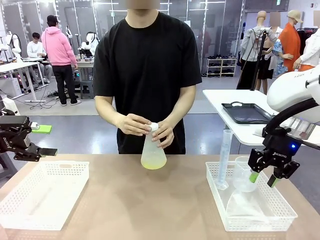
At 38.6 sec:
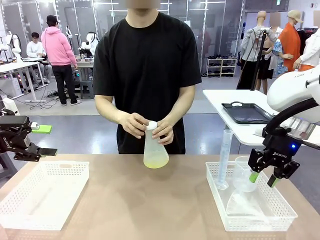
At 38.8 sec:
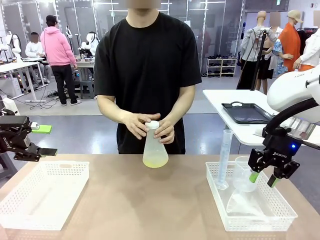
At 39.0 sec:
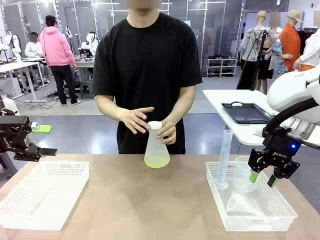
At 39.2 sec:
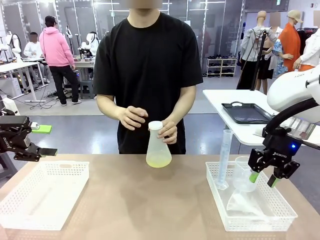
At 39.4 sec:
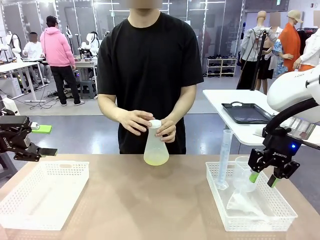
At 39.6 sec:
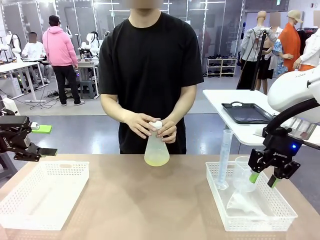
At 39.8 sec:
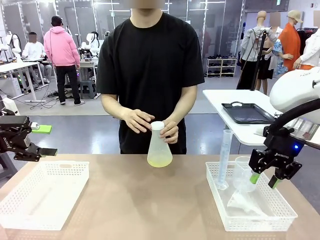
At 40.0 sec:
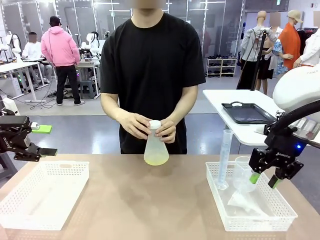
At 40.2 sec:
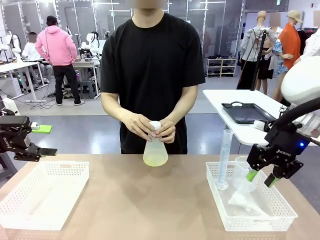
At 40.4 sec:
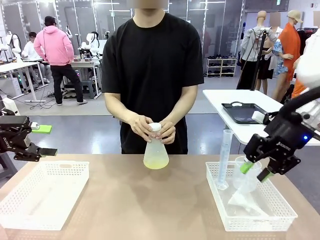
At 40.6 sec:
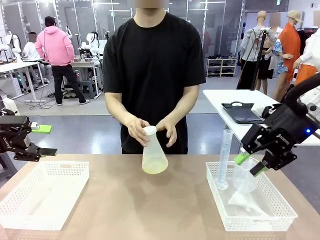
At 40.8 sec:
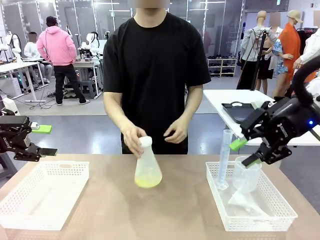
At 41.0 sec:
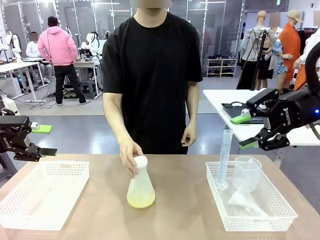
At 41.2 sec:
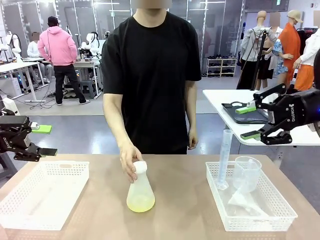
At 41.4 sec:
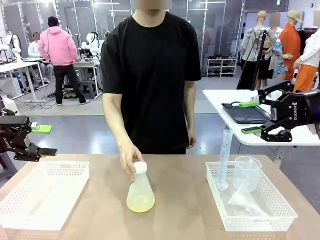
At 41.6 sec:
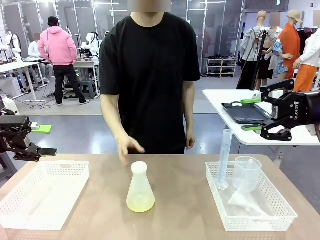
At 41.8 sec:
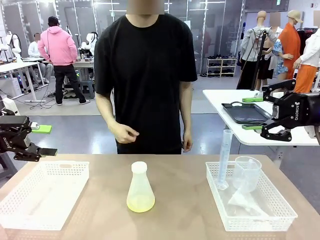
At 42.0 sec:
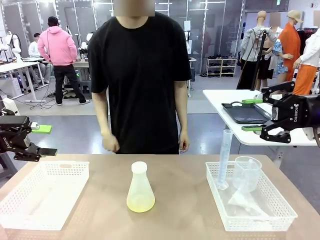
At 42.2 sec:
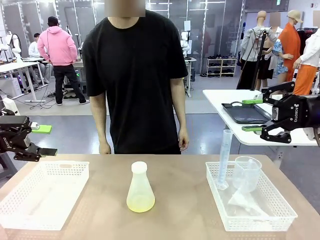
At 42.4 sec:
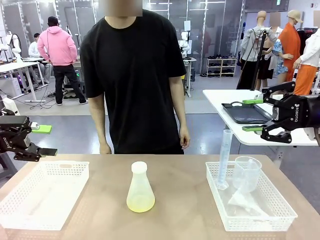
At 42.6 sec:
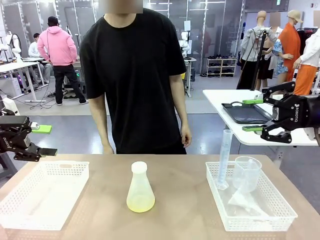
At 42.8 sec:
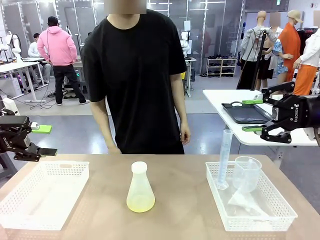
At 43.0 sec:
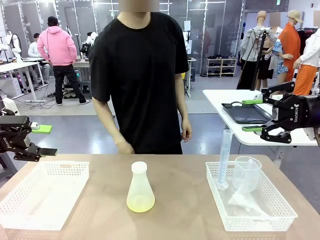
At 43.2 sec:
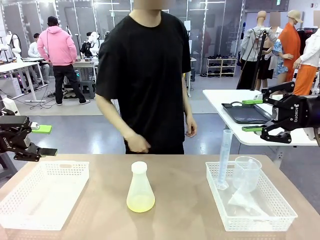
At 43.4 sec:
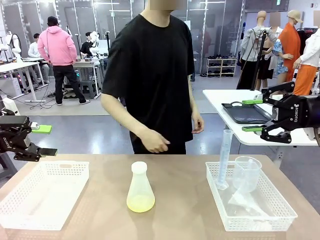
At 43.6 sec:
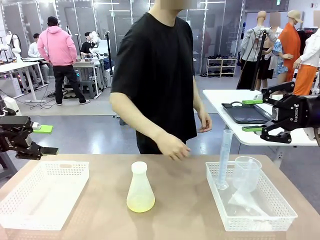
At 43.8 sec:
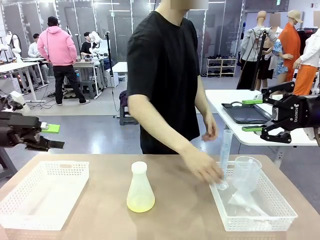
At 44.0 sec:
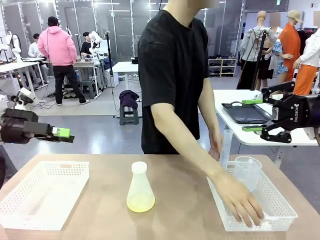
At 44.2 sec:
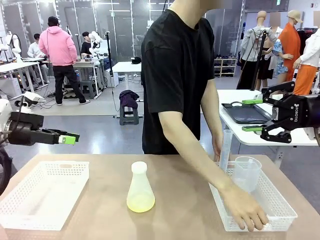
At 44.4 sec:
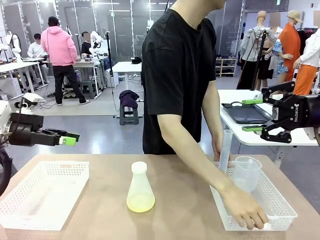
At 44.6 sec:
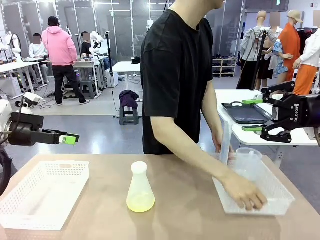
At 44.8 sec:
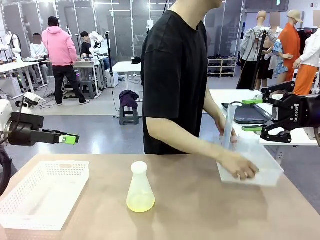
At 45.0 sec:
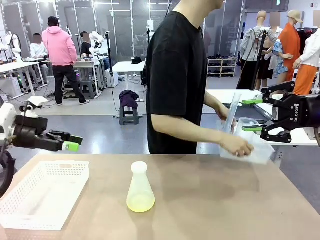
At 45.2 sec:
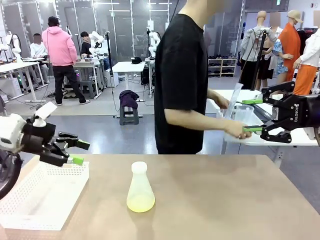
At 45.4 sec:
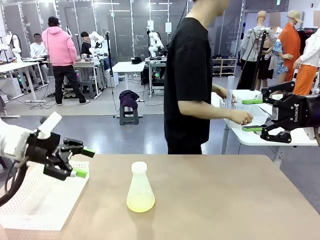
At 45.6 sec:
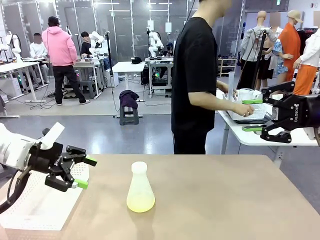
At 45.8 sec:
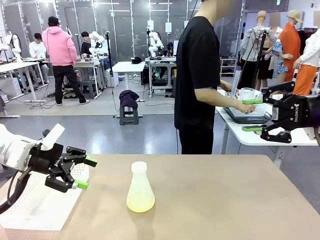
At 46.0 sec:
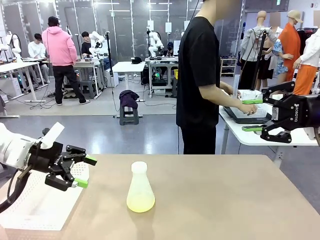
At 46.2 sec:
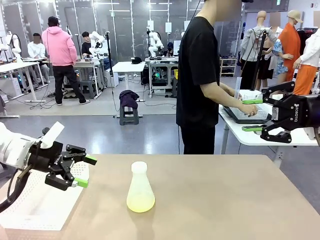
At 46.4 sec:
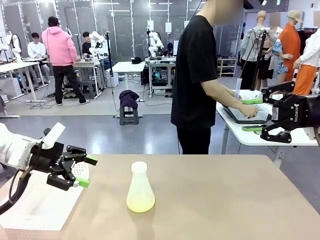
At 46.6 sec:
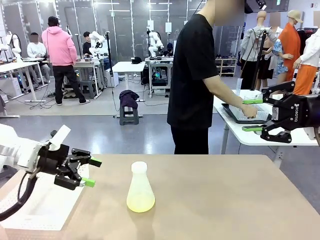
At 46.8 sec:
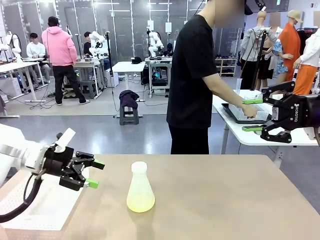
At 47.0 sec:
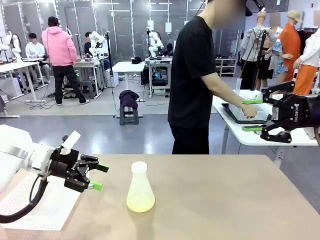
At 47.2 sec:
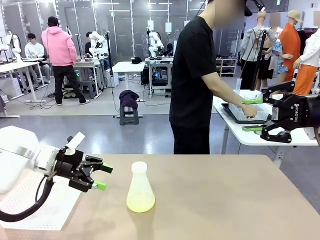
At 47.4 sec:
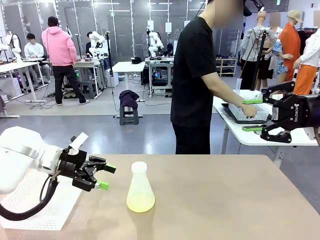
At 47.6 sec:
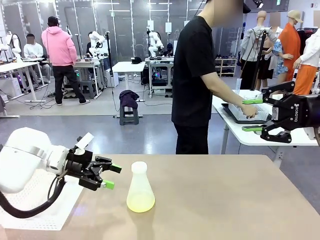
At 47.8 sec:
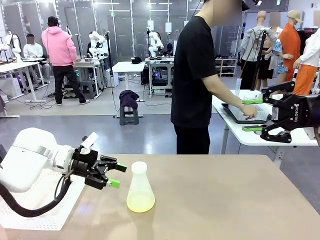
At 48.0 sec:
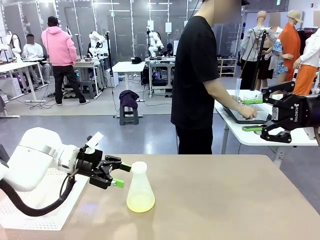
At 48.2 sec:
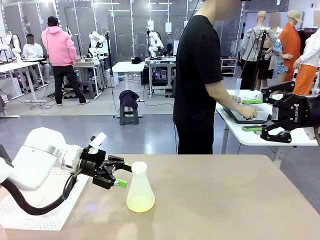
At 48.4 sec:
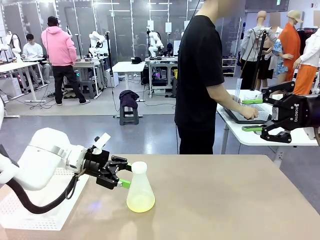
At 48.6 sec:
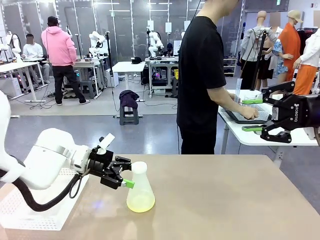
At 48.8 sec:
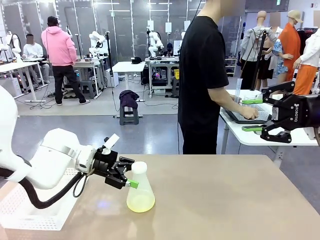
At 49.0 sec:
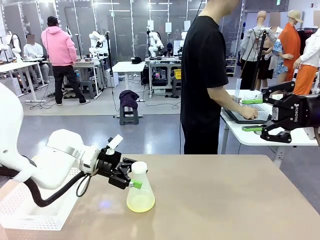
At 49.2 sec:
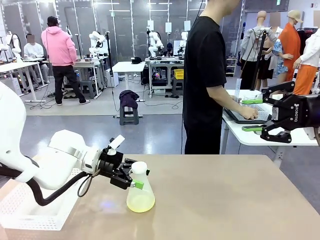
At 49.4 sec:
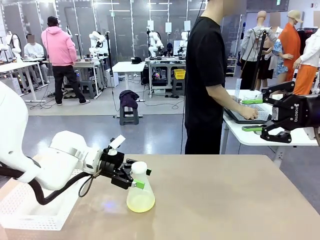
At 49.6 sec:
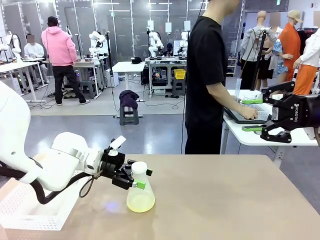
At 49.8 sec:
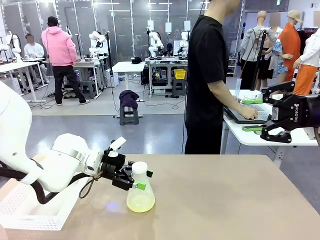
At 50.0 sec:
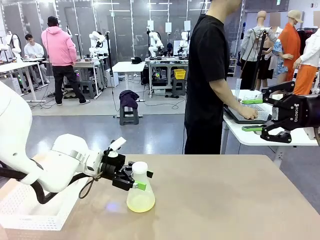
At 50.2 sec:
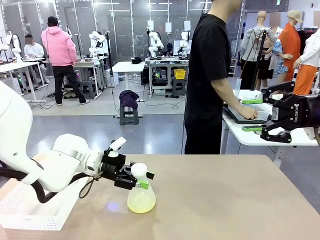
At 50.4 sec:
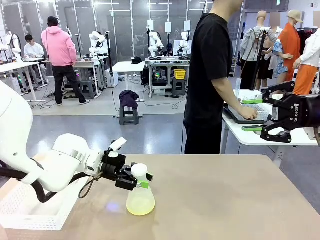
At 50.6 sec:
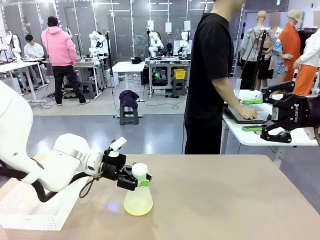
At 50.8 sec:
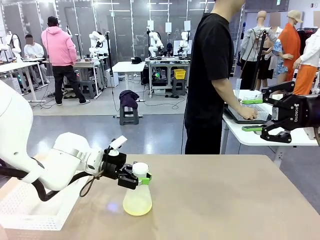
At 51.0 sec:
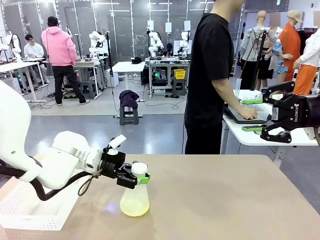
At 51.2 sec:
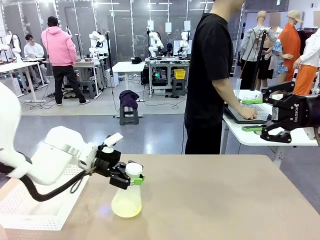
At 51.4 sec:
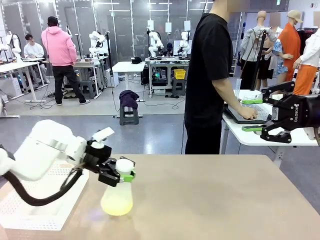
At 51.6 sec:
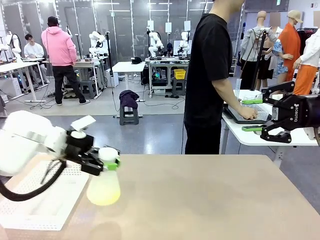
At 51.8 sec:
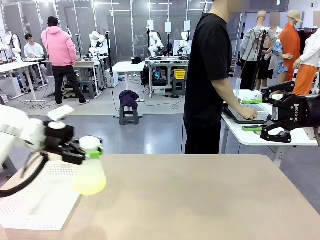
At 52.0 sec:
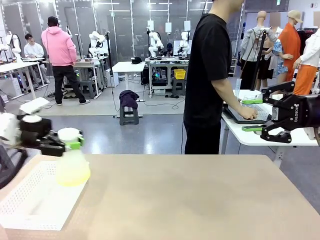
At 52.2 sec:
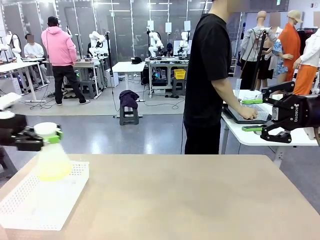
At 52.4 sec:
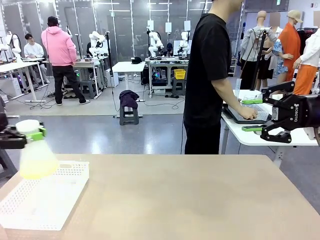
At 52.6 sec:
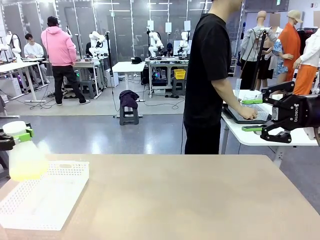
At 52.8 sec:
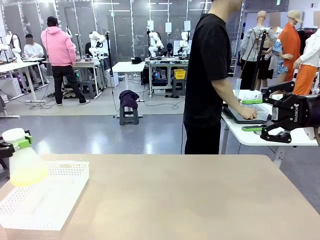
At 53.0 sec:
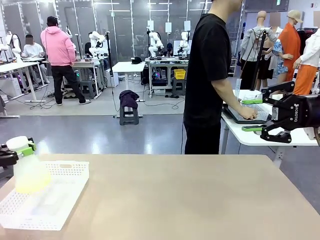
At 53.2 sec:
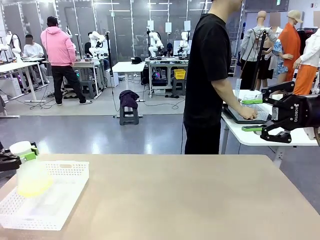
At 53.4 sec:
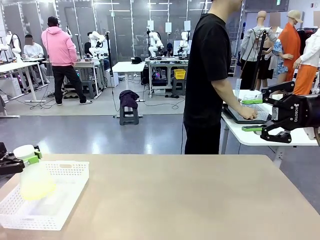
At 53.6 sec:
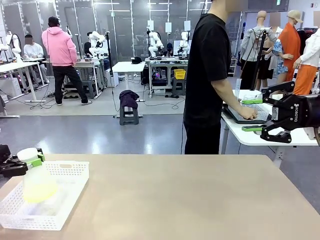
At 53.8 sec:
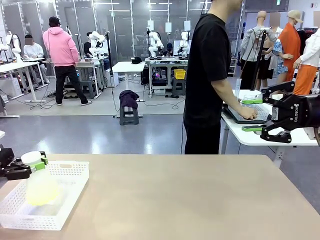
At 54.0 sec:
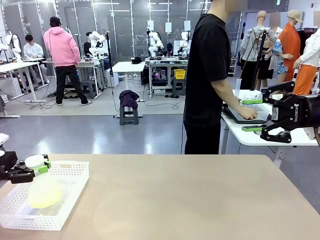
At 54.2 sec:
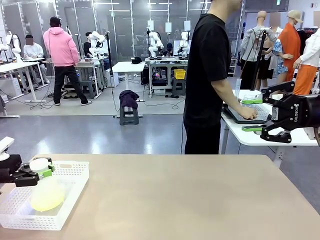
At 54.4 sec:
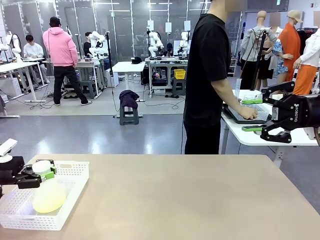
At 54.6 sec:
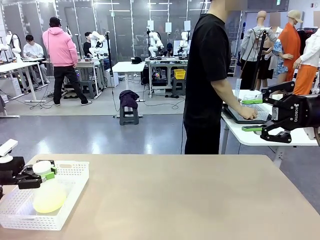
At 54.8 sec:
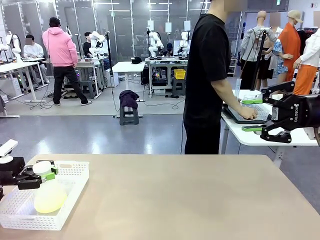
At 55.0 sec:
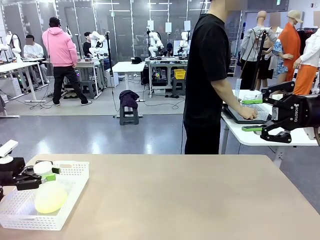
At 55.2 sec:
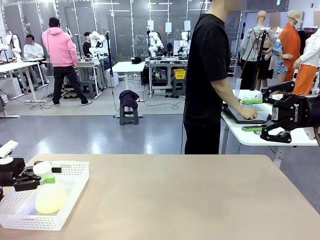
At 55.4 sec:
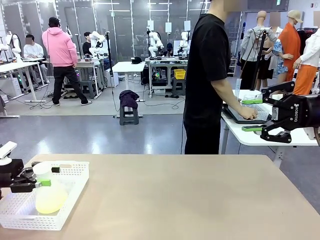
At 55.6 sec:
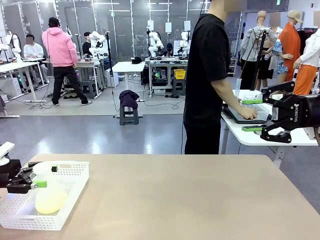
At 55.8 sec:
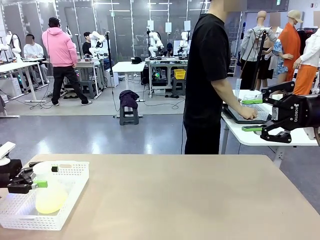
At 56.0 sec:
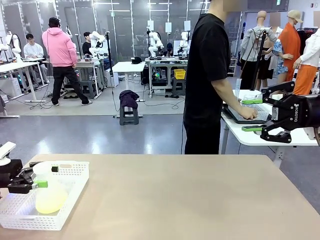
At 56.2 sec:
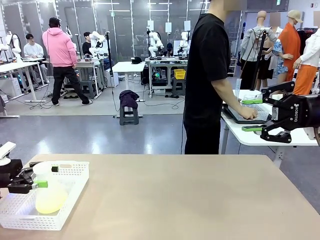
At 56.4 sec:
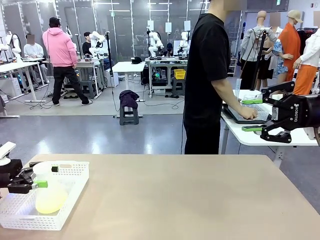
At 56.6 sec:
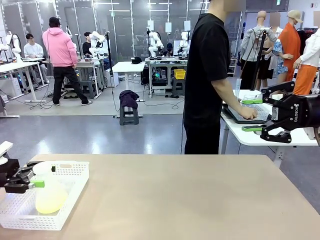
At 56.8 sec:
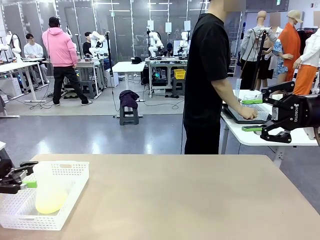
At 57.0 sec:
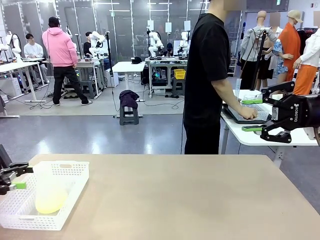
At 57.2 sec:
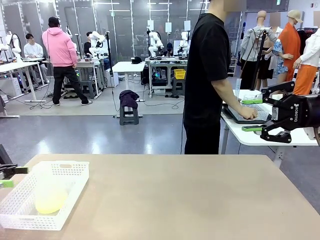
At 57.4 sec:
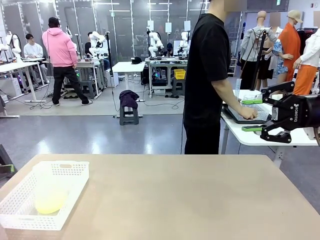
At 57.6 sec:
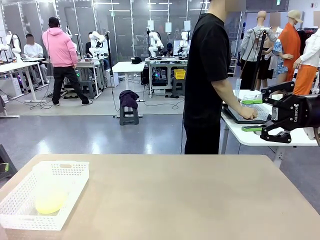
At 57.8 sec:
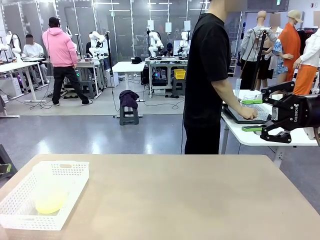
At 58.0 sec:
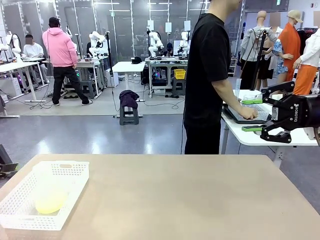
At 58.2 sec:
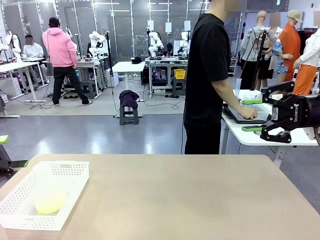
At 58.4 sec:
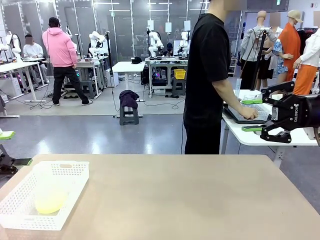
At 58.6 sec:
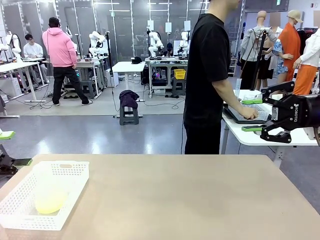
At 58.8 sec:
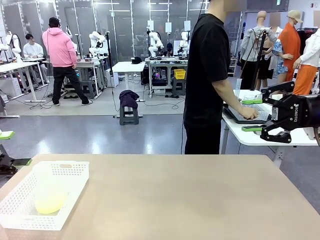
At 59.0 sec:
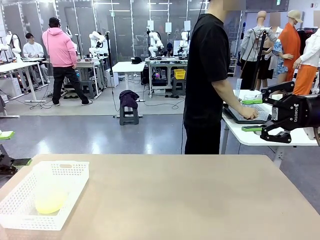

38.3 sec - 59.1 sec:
Task: Prepare the solutions needed for the experiment.
Robot: When the human places the Big flask in the center of the table, pick up the Big flask and place it in the left Organizing basket.
Person: Pick up the organizing basket on the left side of the robot table and place it on the left side of the human table.
